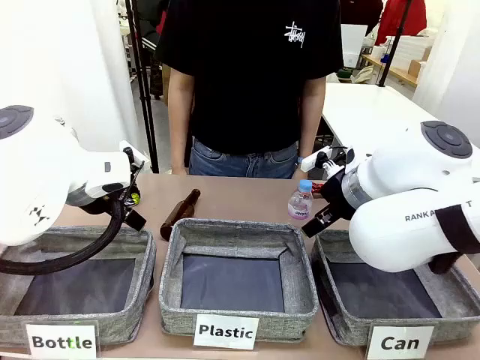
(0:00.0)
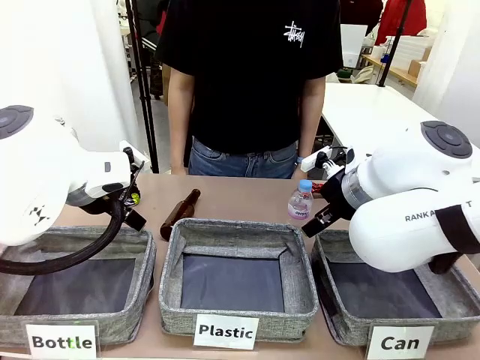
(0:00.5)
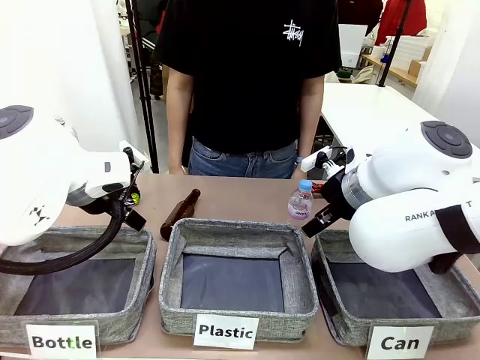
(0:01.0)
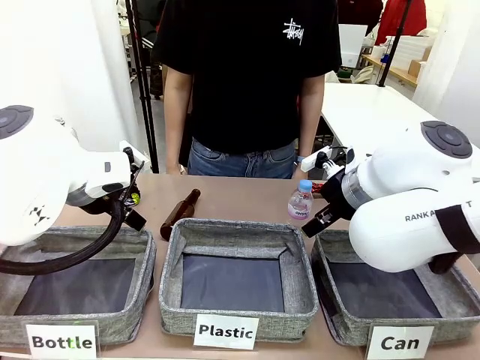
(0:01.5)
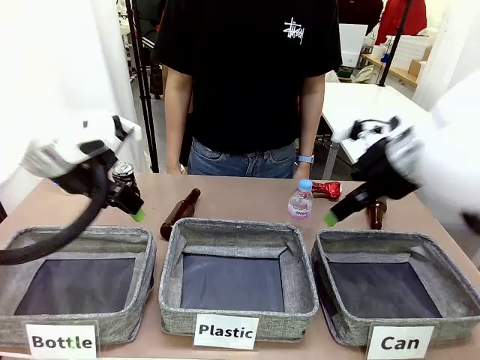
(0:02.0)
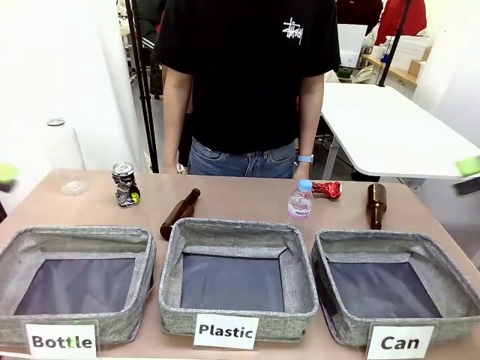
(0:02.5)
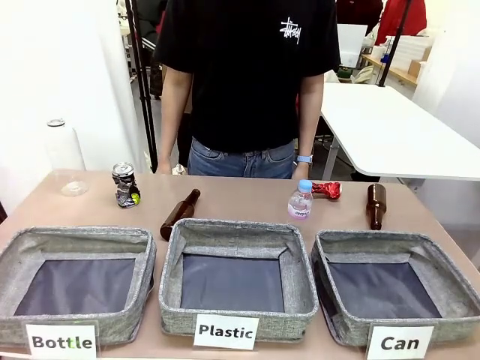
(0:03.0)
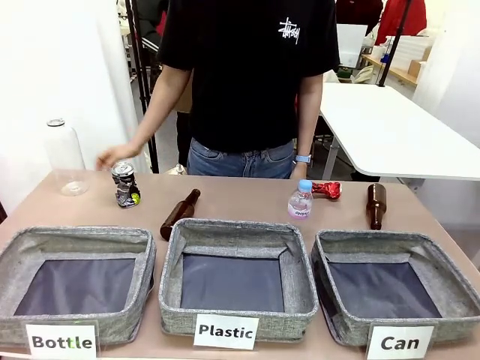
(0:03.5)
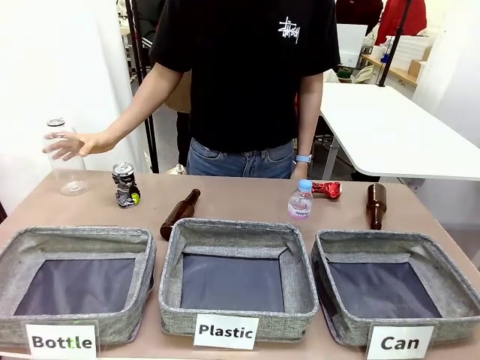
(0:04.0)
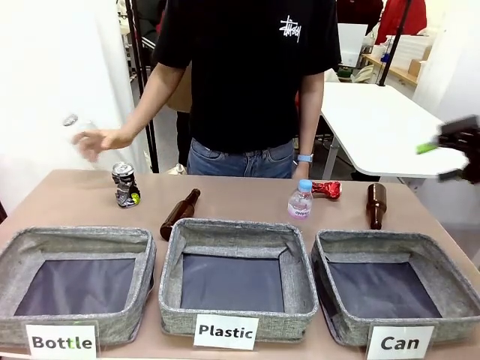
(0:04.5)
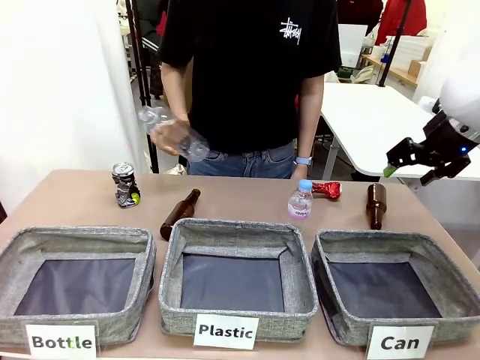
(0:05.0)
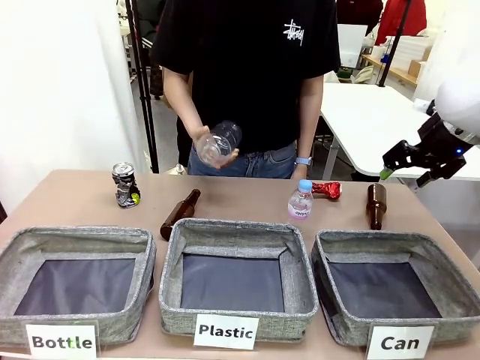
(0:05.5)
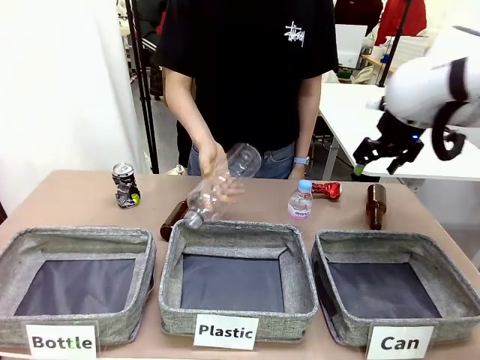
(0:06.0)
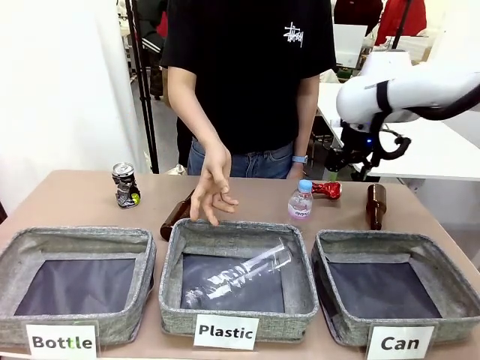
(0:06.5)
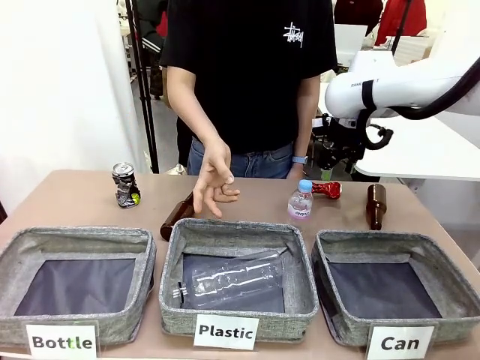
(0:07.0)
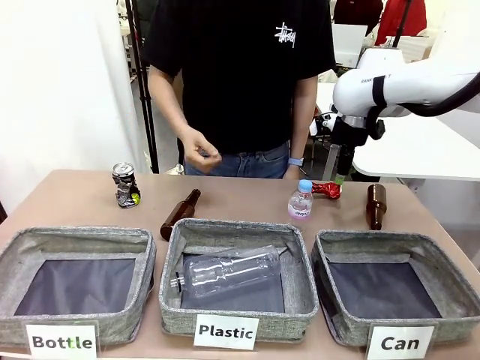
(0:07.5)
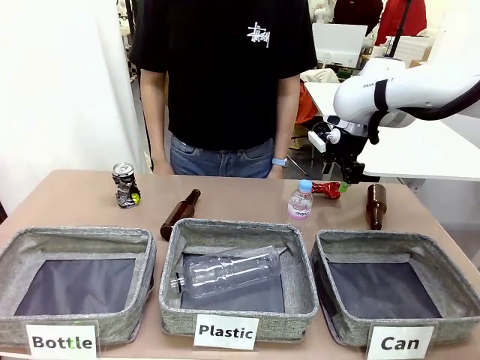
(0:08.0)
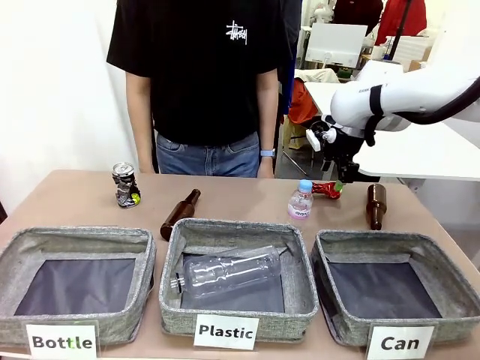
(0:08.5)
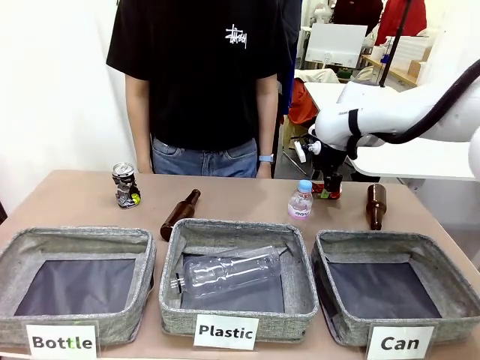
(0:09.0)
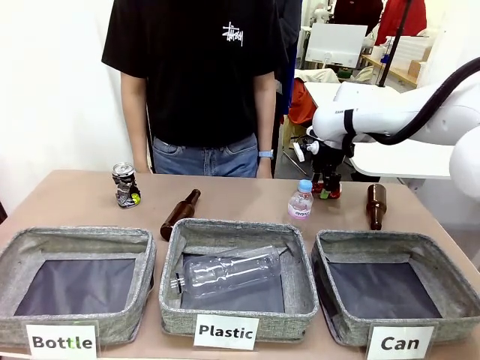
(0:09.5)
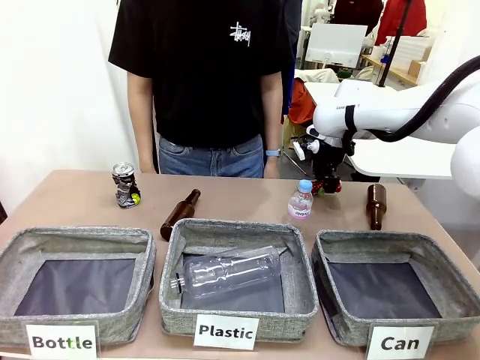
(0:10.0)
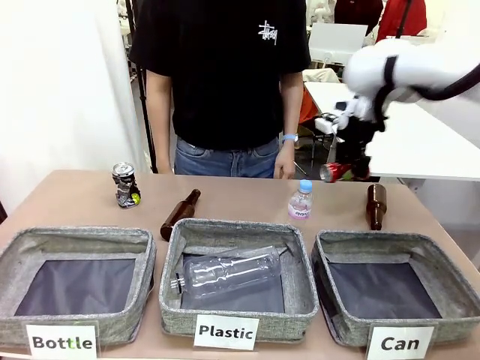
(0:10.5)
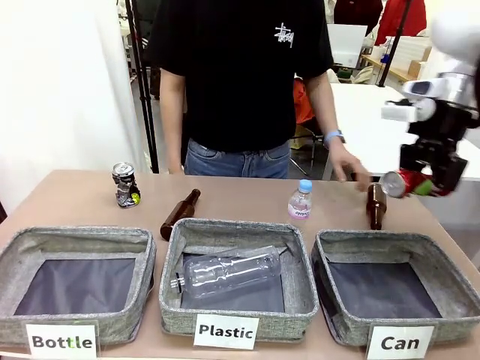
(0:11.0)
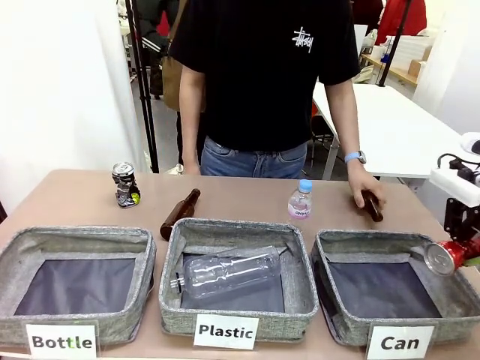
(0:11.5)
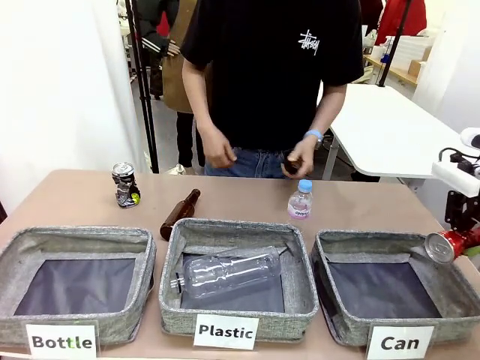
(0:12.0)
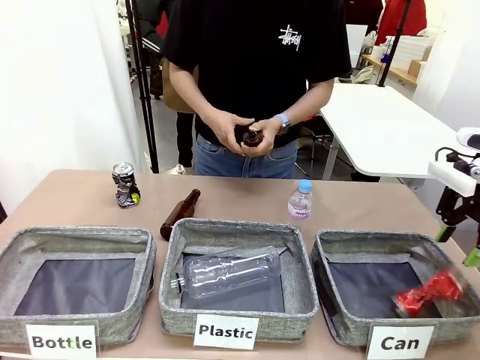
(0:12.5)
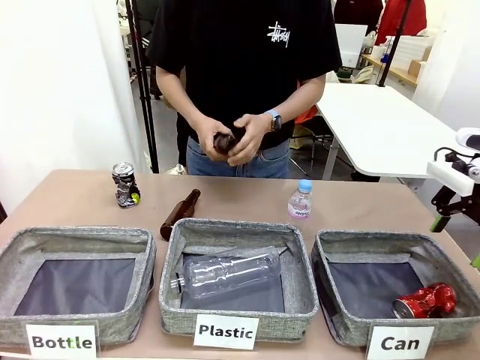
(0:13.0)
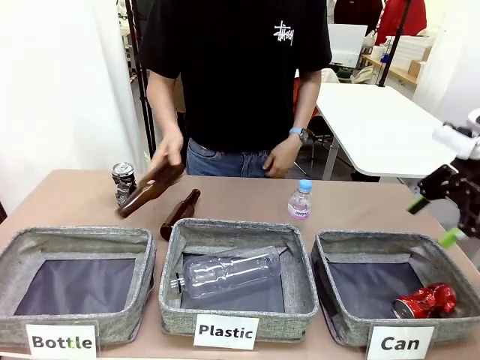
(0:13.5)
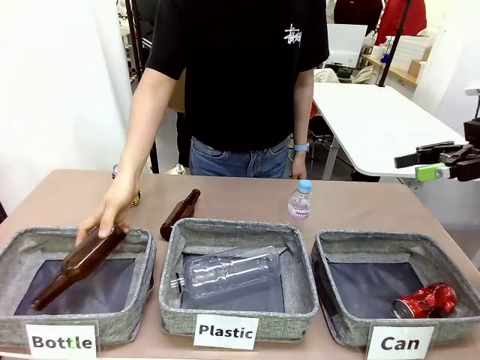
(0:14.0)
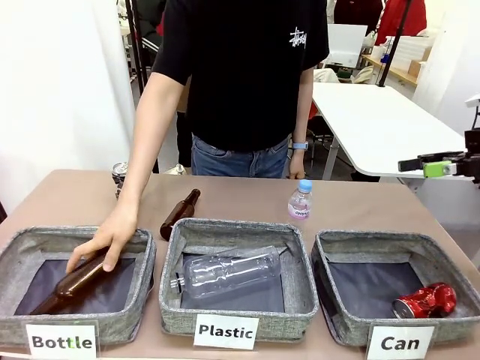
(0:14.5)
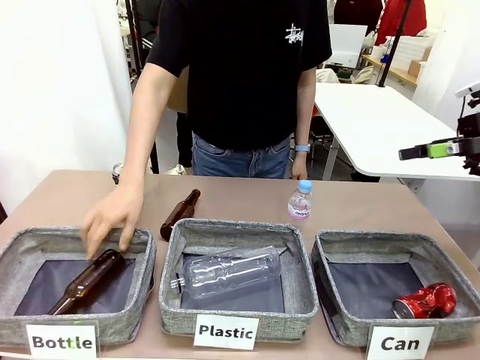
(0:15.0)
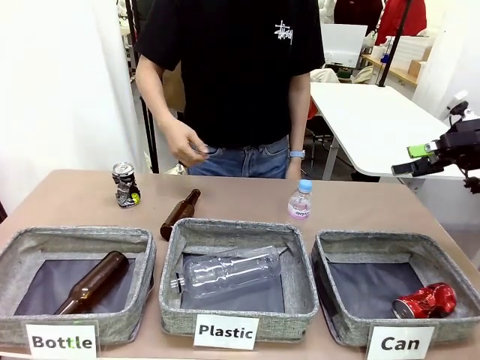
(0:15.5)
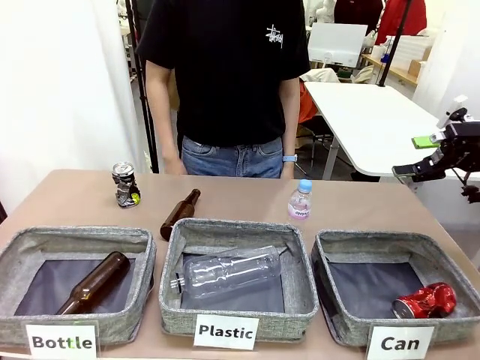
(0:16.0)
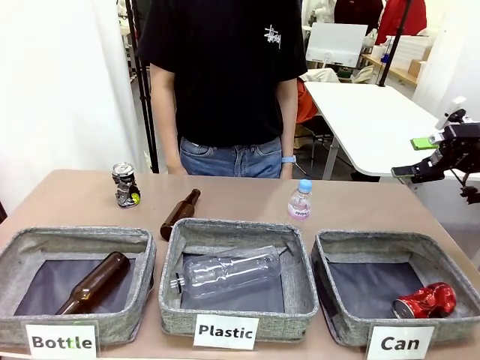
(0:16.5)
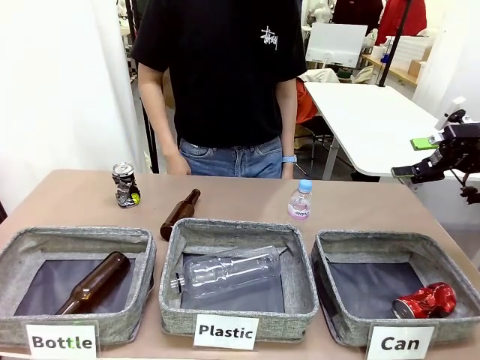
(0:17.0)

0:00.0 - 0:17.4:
Task: Sort the can waste into the basket.
Robot: Pick up the can waste from the table and place it in the right Fabric basket.
